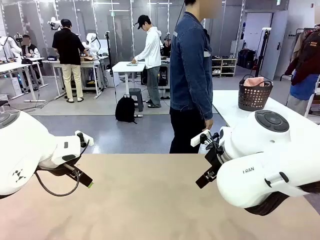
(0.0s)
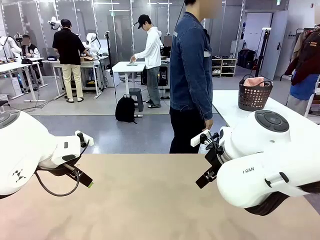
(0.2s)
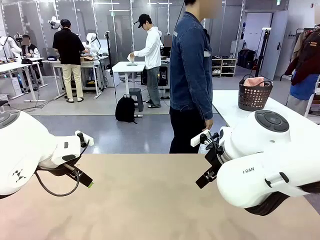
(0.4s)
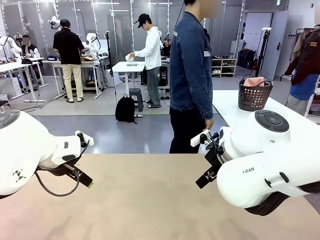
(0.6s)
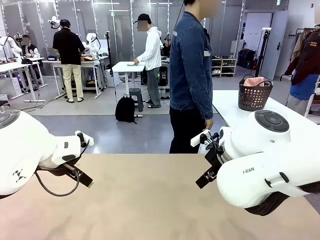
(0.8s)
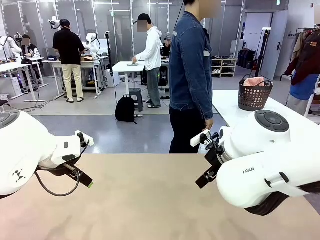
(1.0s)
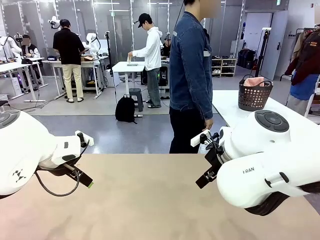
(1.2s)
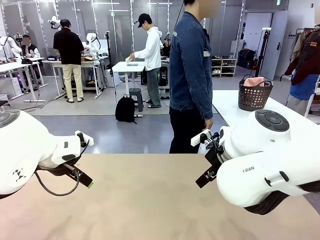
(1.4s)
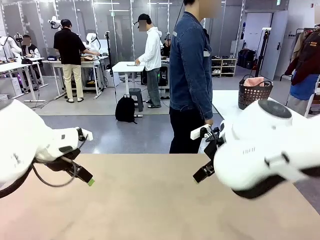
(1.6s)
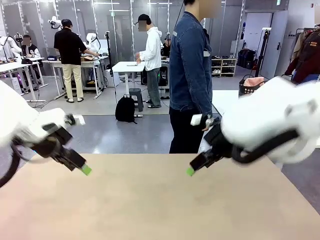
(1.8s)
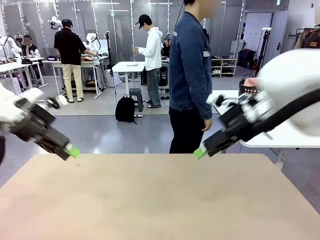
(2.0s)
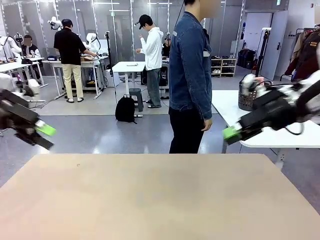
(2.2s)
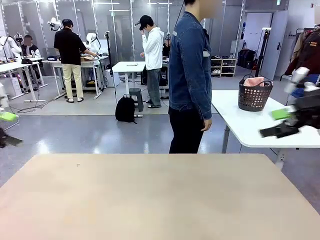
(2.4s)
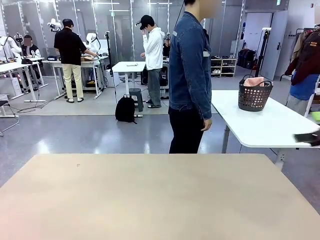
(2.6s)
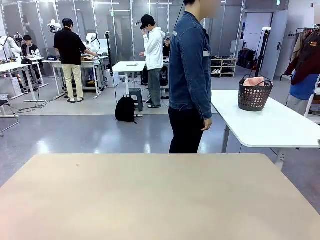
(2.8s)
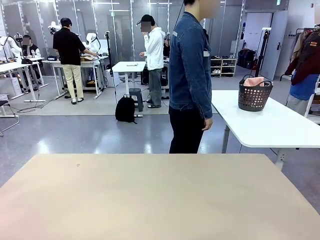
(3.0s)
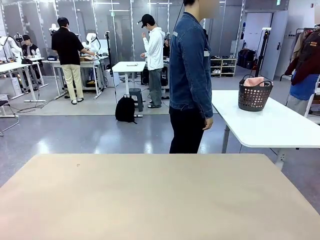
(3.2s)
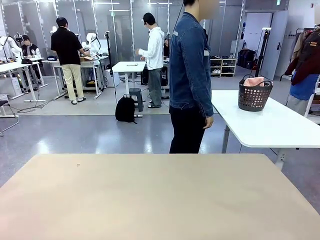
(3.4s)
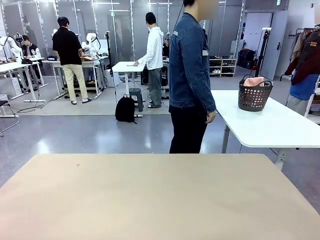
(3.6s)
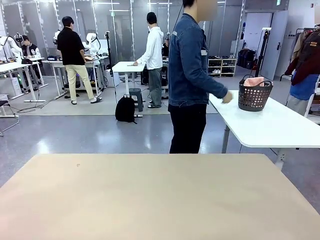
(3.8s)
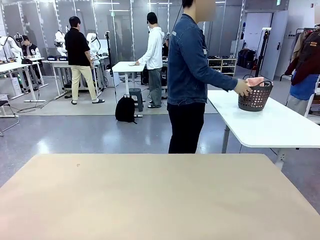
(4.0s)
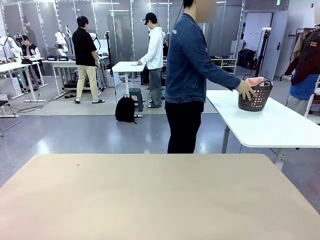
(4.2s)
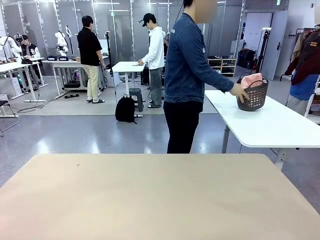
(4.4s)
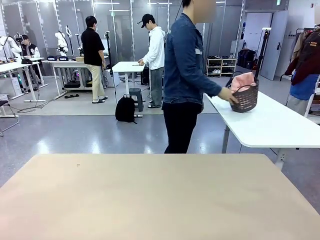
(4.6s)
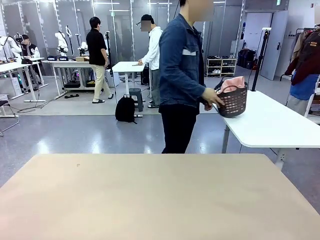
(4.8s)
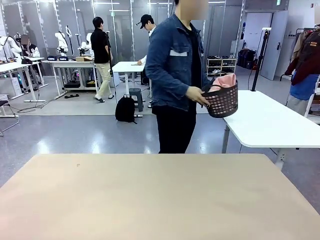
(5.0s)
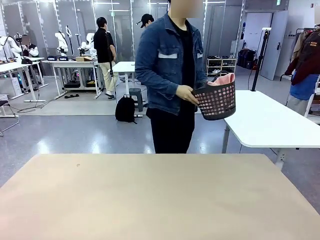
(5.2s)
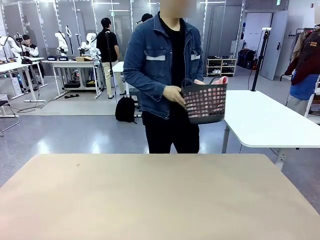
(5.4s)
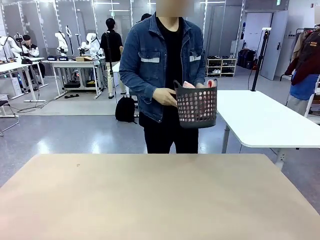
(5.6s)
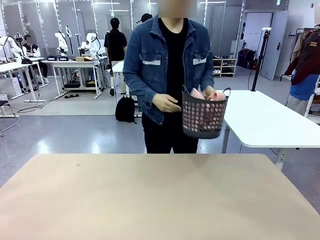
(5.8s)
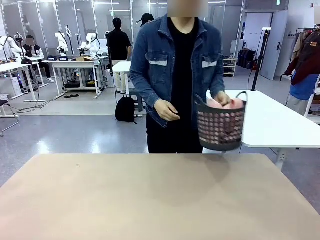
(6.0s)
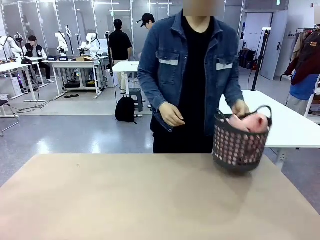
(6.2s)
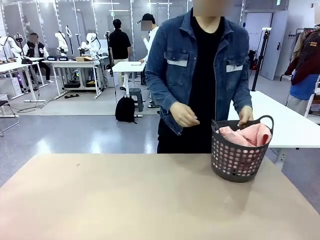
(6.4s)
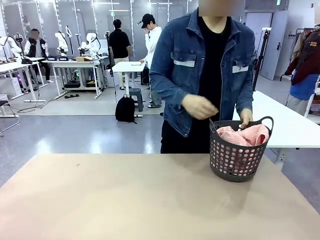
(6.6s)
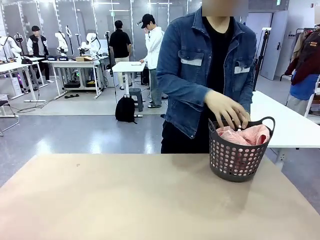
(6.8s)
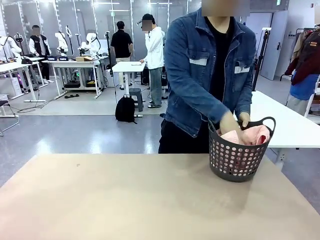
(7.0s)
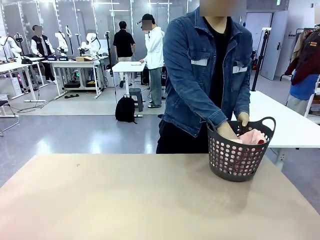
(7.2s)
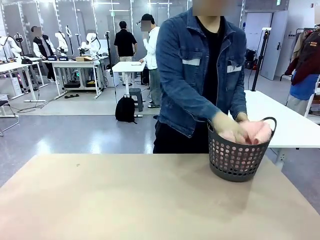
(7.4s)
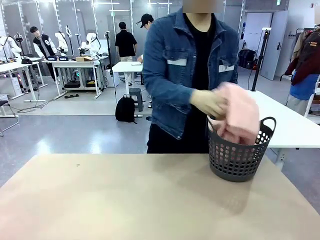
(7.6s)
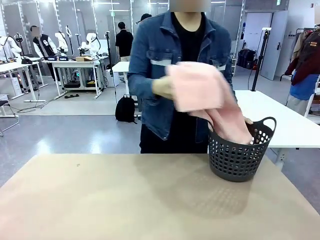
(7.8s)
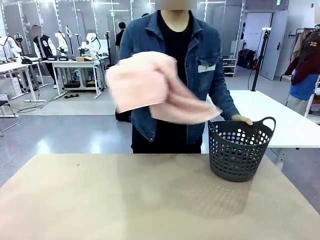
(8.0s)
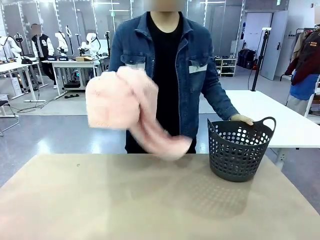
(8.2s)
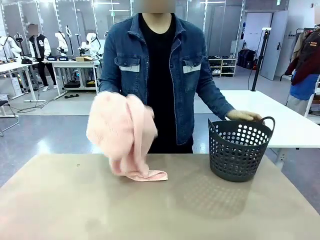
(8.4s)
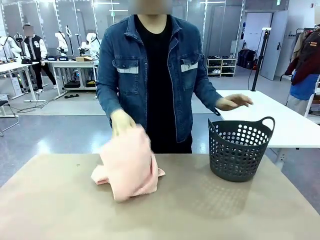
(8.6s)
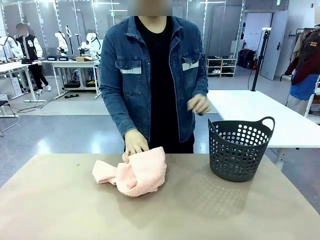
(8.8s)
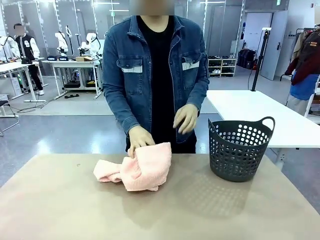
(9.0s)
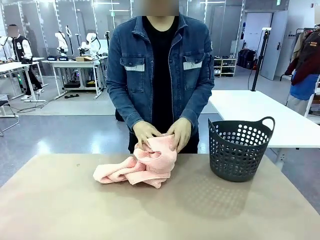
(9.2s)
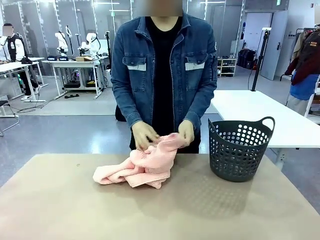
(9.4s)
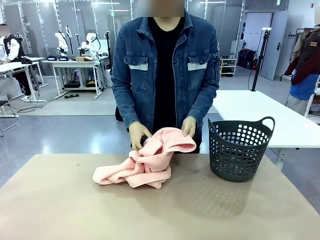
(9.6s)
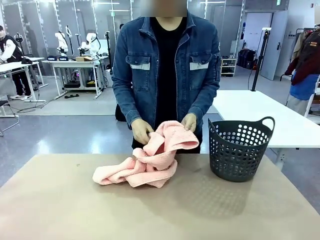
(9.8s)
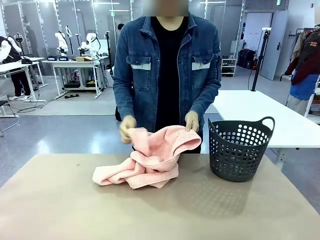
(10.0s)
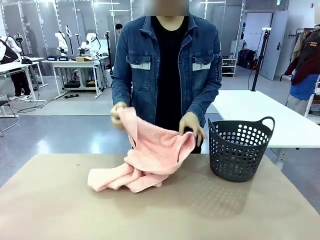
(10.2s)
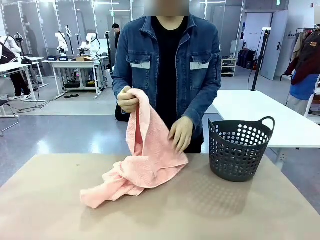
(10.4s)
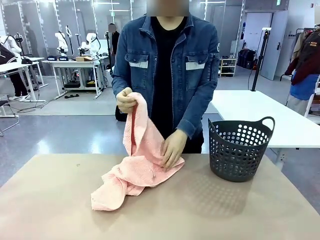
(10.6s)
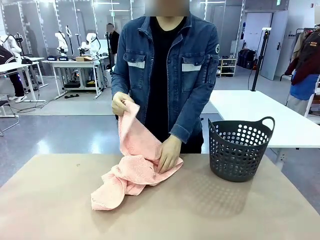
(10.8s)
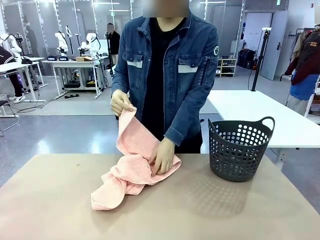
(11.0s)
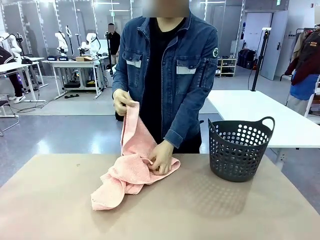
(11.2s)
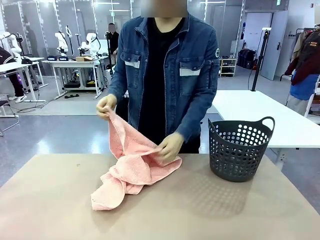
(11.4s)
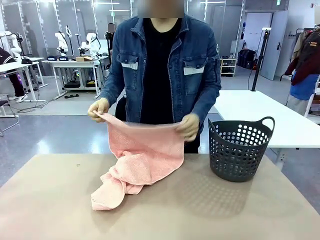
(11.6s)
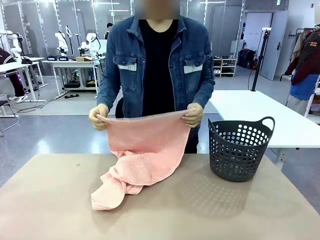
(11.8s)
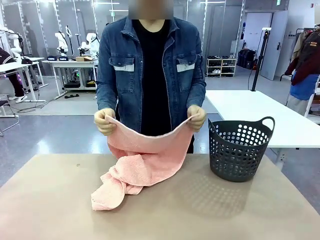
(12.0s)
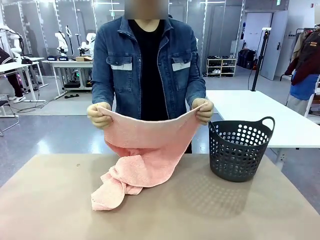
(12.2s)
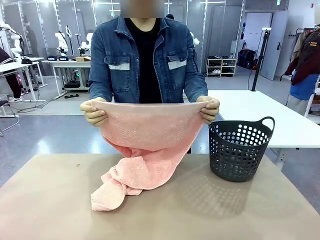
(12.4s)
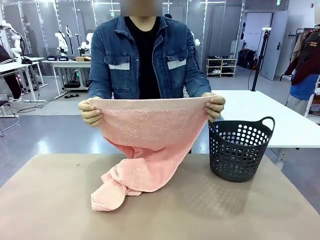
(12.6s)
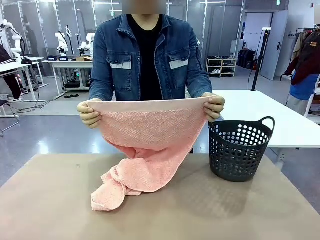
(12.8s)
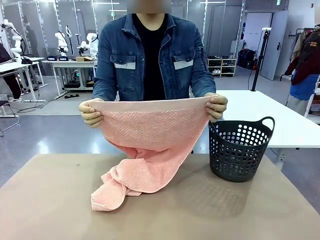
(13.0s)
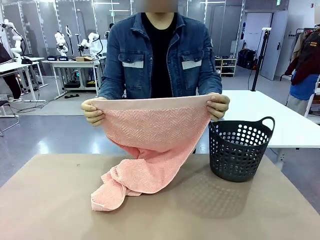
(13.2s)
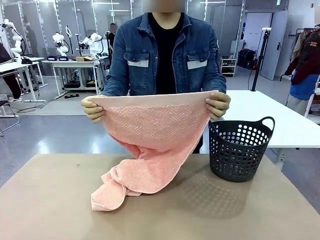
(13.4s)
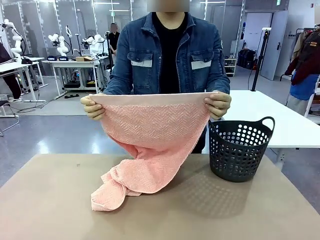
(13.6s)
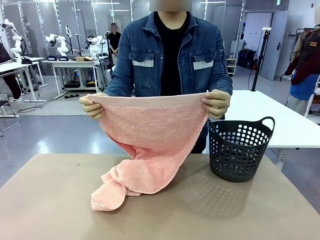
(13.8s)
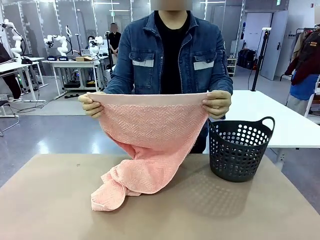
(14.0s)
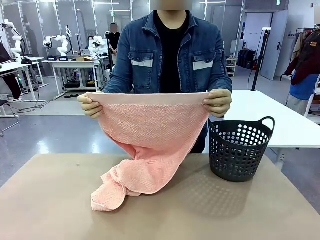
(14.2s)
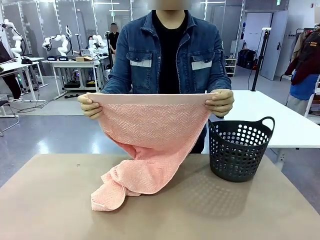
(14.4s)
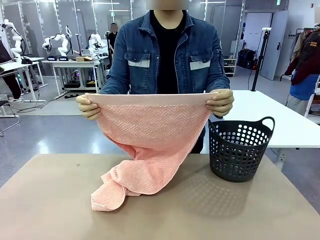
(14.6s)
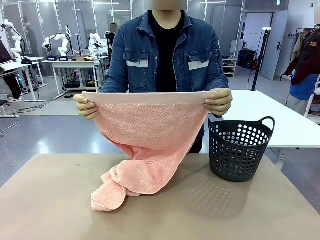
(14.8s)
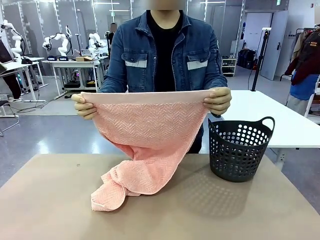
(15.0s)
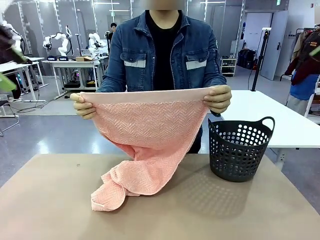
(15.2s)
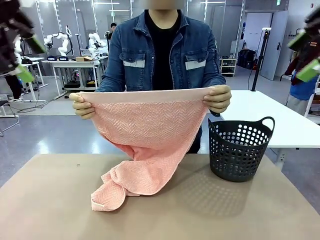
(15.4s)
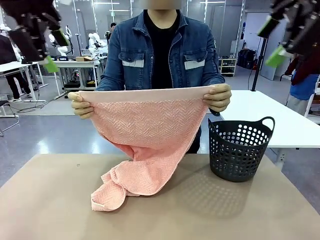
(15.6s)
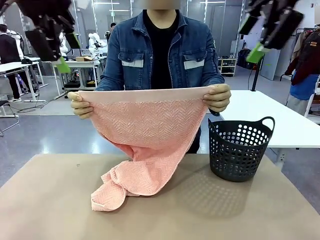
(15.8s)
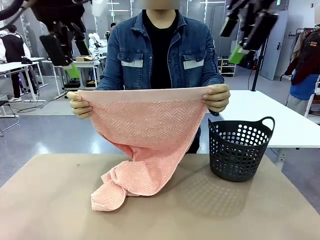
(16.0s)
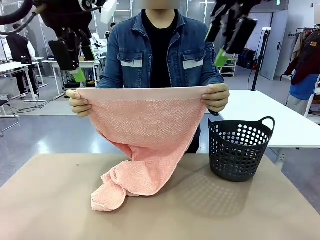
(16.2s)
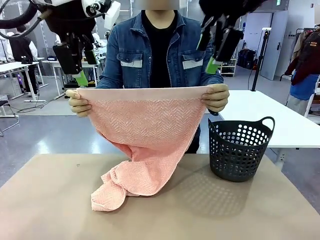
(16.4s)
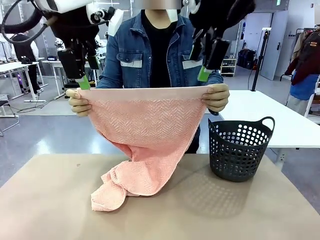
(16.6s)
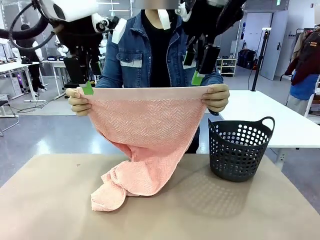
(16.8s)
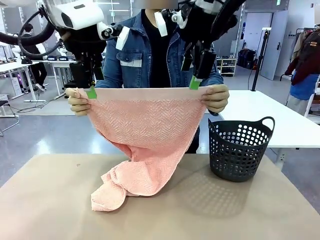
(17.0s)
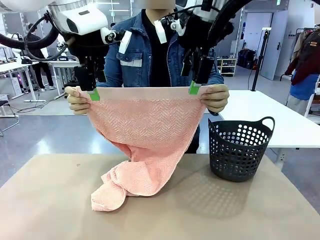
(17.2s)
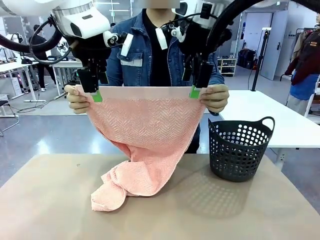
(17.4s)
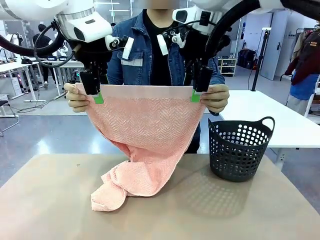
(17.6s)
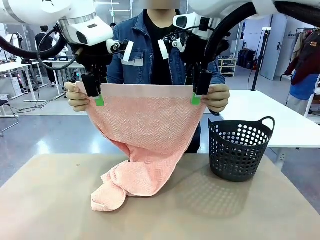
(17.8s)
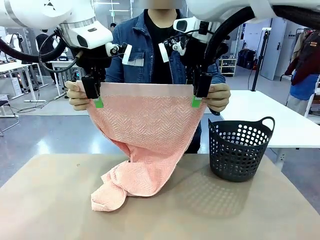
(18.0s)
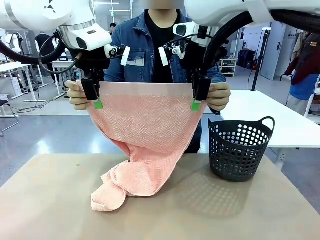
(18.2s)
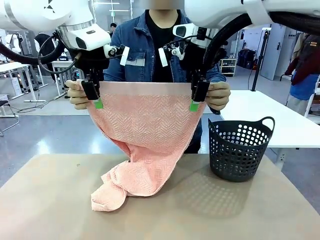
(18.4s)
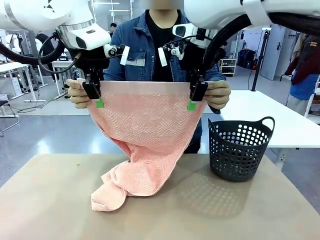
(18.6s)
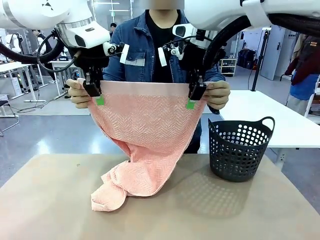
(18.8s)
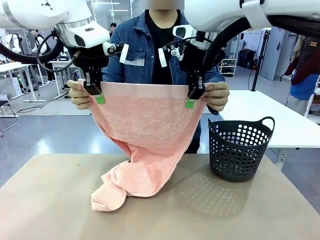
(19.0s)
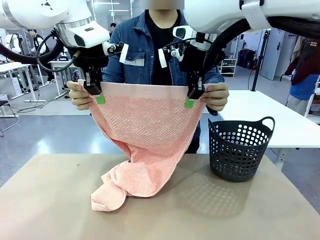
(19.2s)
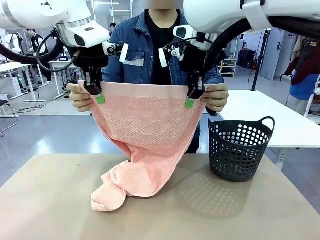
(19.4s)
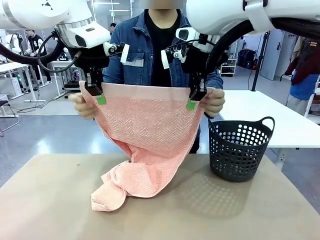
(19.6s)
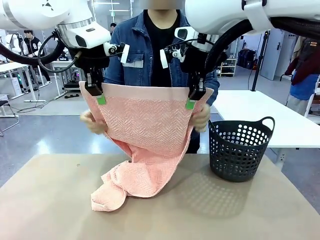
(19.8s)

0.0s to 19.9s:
Task: Fold the towel.
Robot: Grab the top end of the 100 cm Hotel Towel extended by the human.
Person: Pick up the laundry basket, place it on the left side of the robot table, then take out a towel and hand it to the robot while holding both corners of one end.
